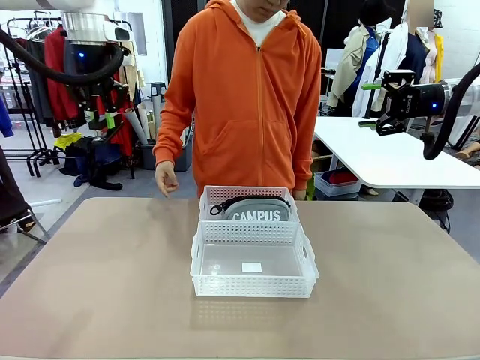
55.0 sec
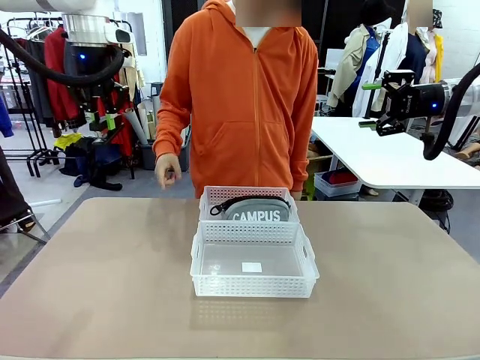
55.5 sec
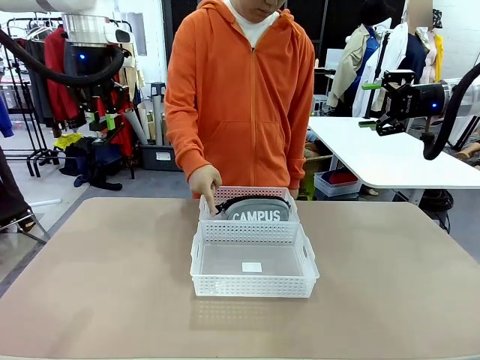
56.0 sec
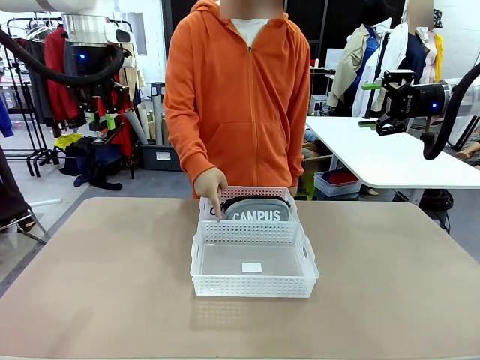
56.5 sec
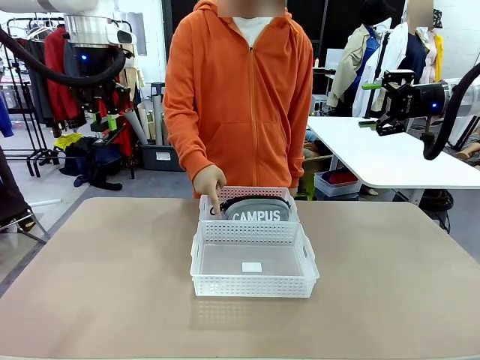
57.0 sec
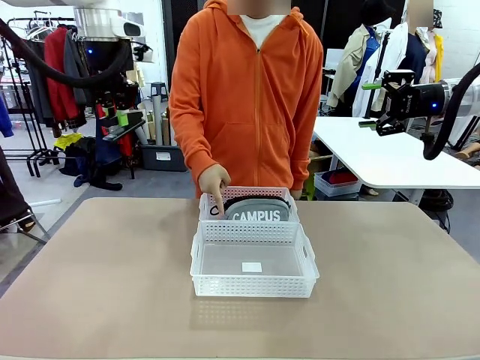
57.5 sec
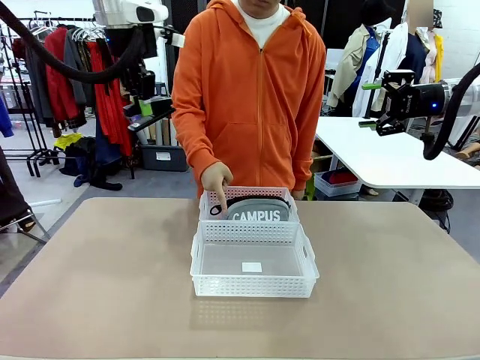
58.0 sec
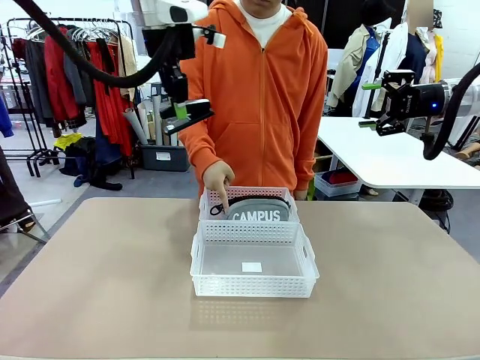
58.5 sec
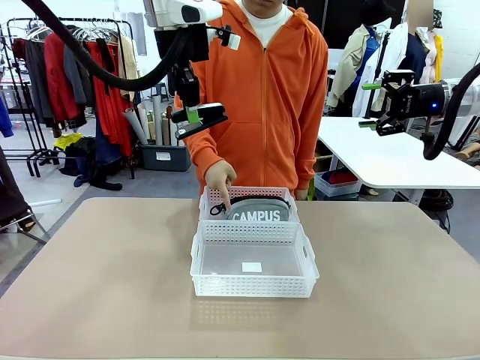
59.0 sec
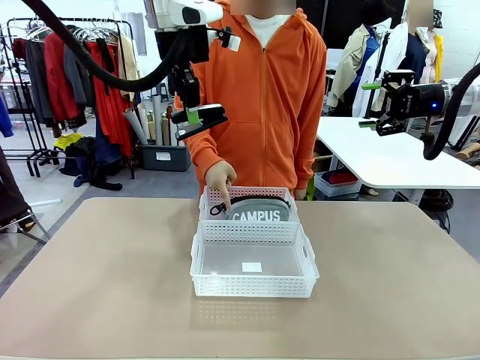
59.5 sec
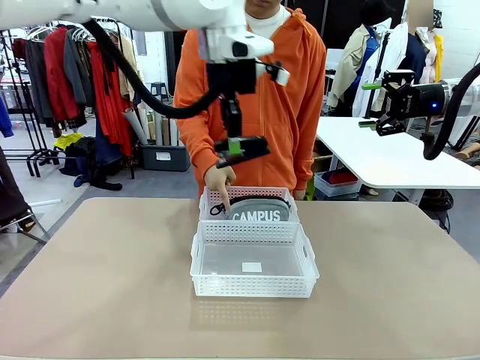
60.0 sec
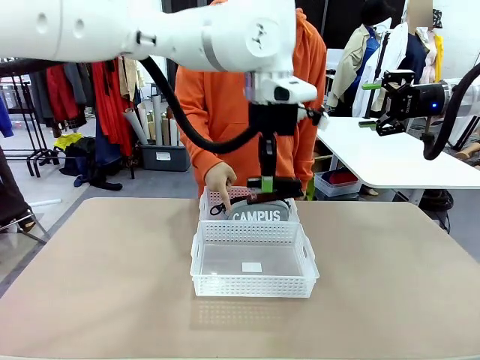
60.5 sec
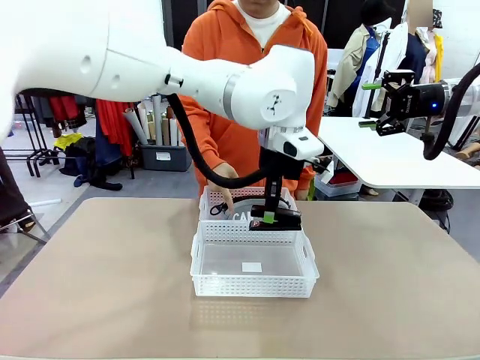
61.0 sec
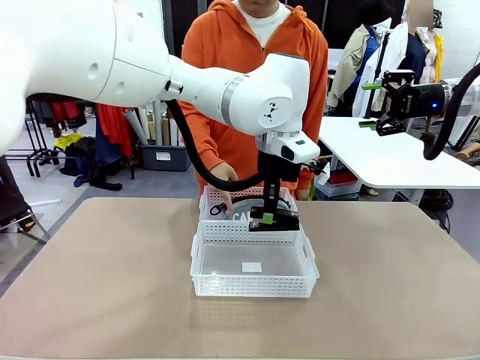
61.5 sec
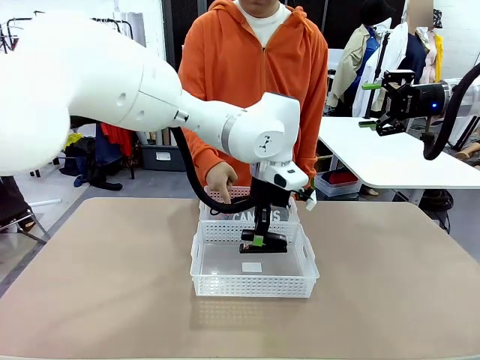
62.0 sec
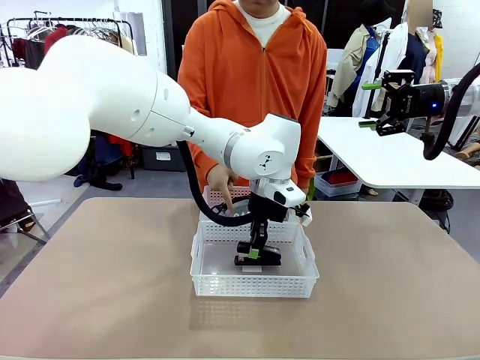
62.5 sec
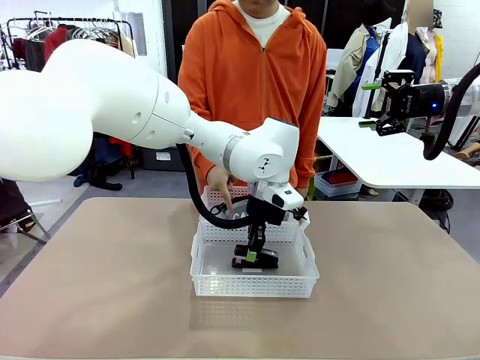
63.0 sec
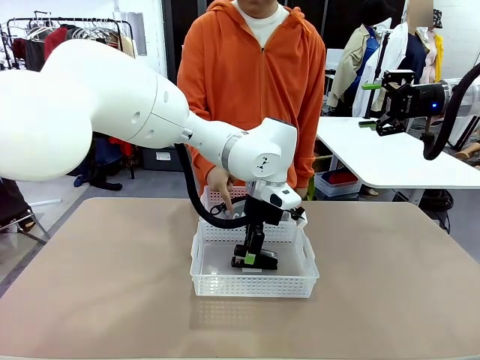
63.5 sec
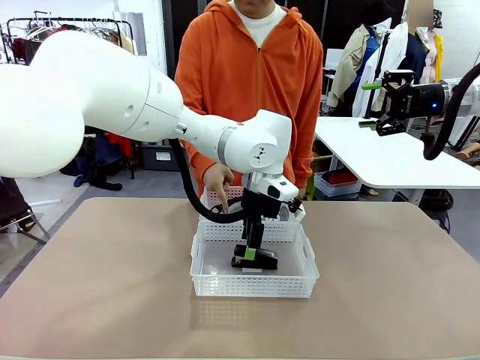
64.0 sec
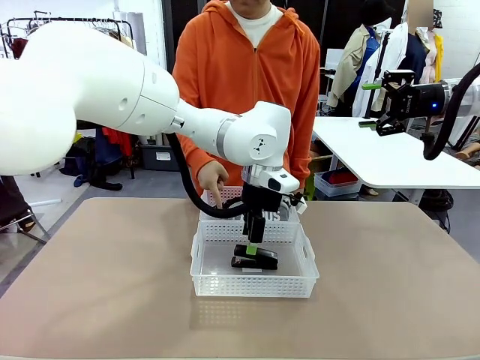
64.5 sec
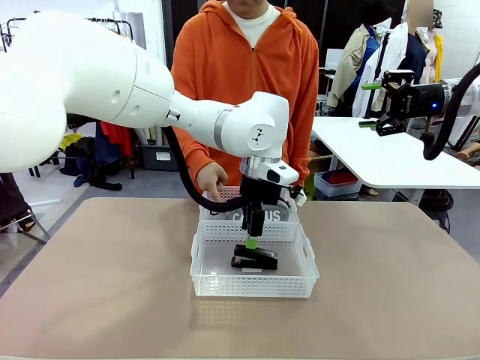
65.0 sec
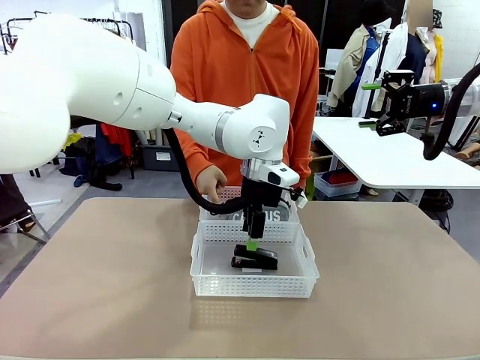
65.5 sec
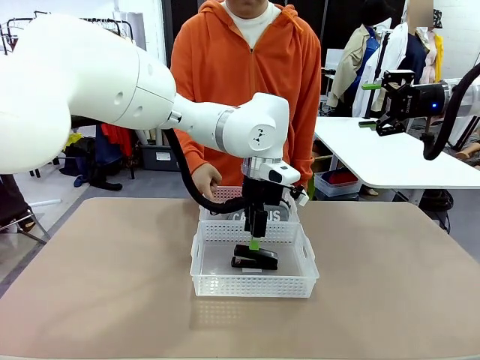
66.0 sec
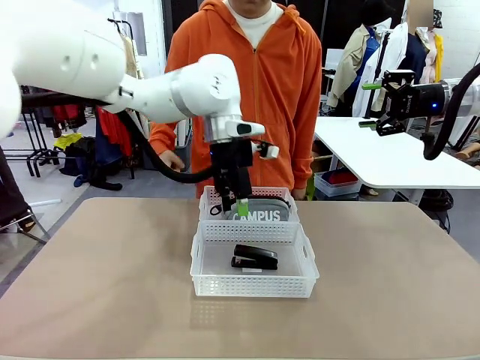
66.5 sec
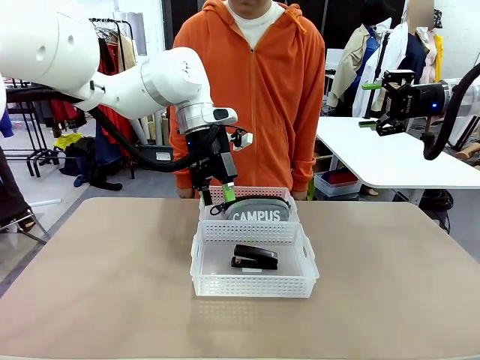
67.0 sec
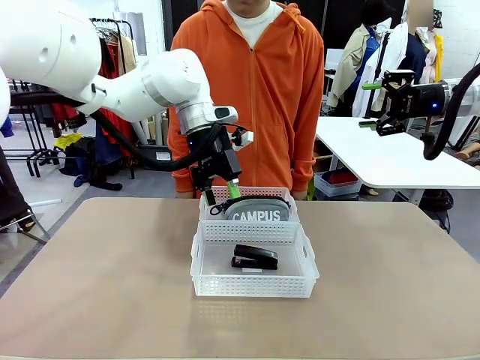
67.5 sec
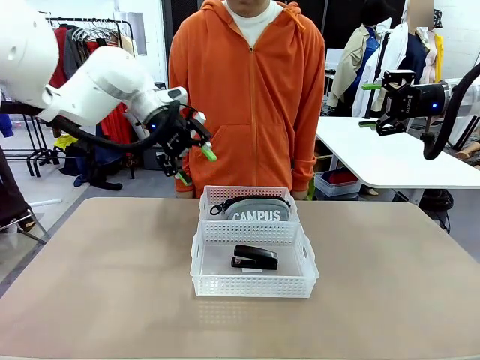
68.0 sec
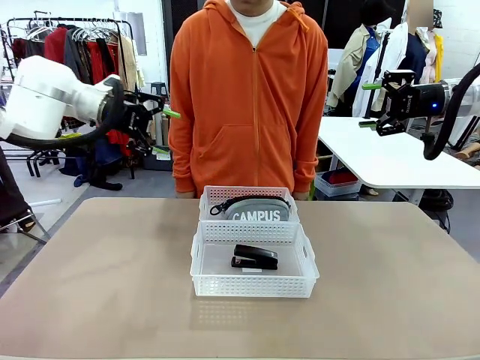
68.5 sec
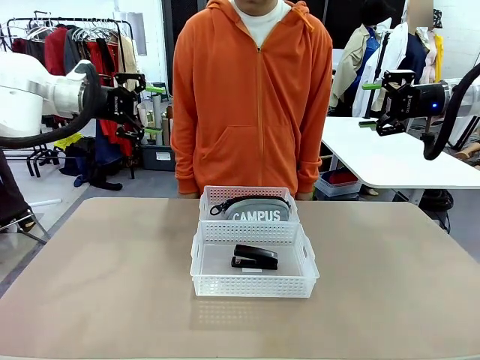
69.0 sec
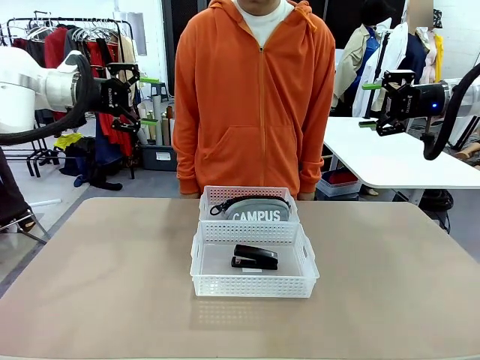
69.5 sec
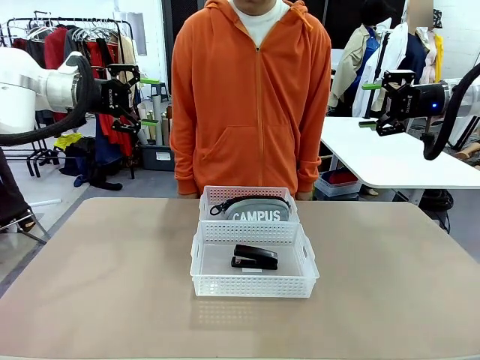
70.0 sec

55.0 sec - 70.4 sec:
Task: Distribute items into two baskets.
Robot: Place the picked Stapler into the Organizing basket as instructed by the person.
Person: Points to the basket that does not contain the pencil case and instructs the robot to move the stapler there.

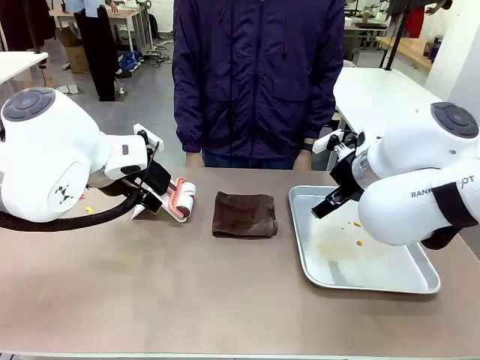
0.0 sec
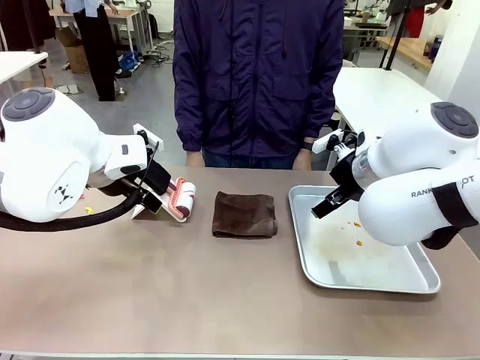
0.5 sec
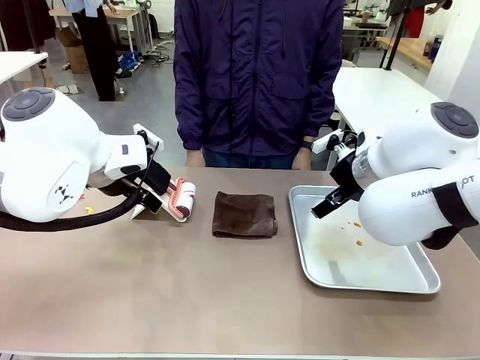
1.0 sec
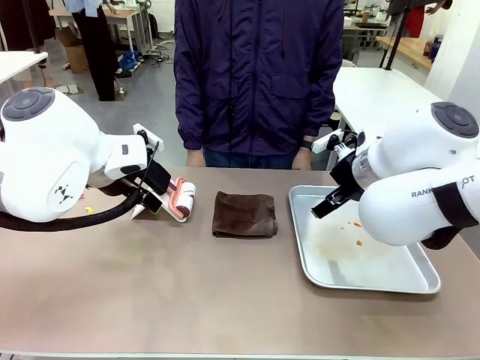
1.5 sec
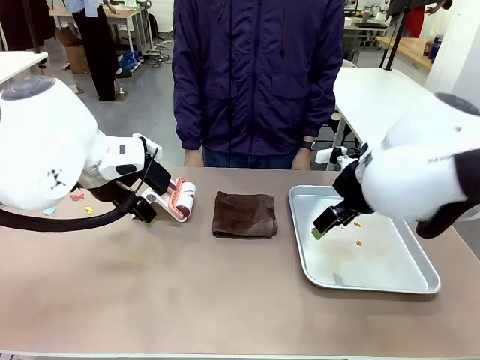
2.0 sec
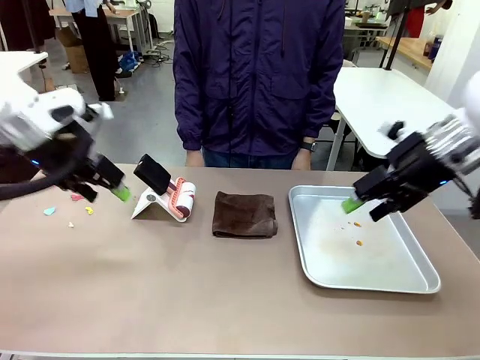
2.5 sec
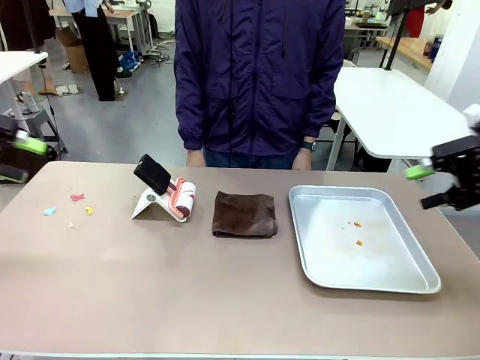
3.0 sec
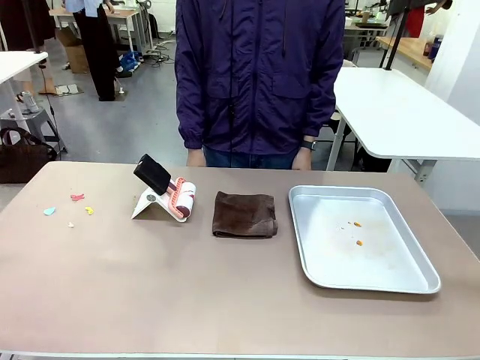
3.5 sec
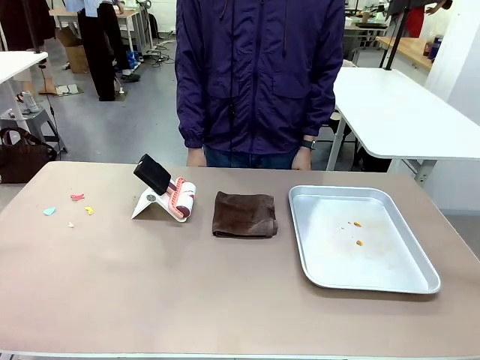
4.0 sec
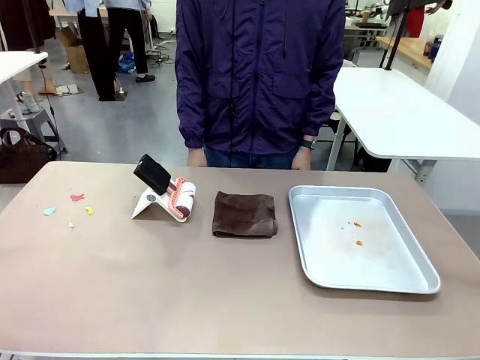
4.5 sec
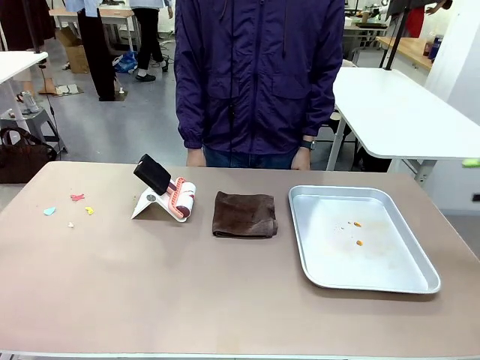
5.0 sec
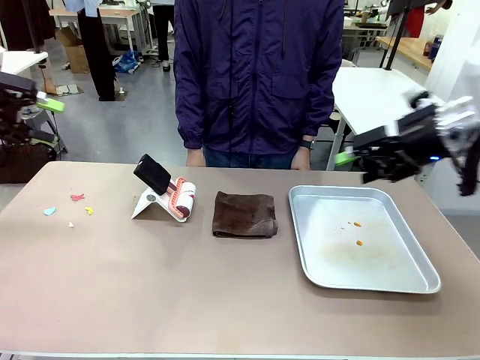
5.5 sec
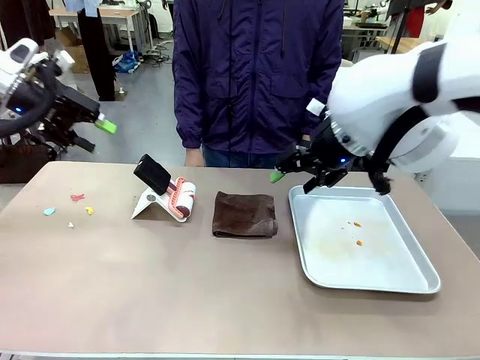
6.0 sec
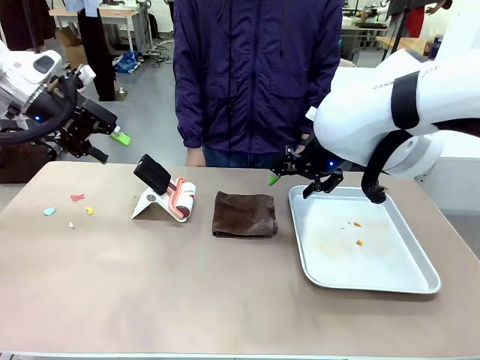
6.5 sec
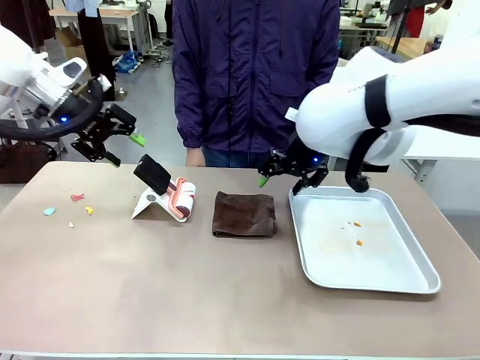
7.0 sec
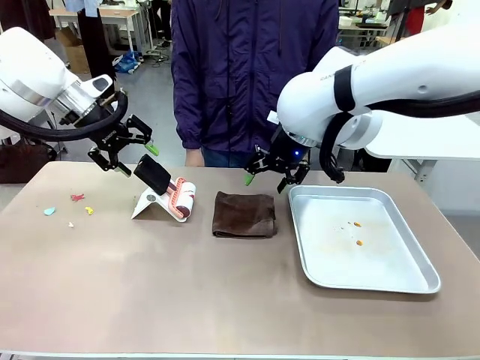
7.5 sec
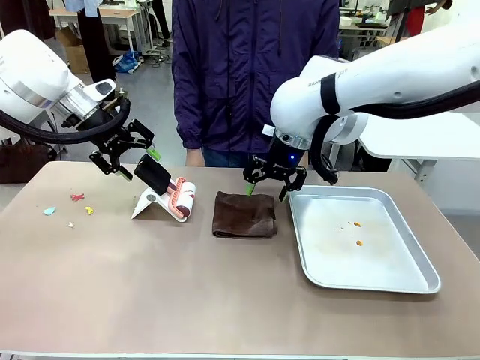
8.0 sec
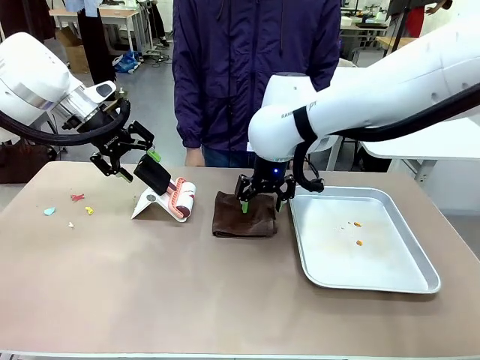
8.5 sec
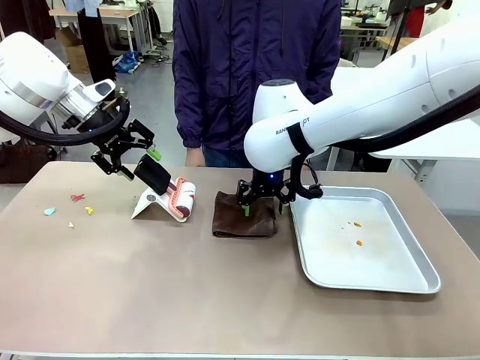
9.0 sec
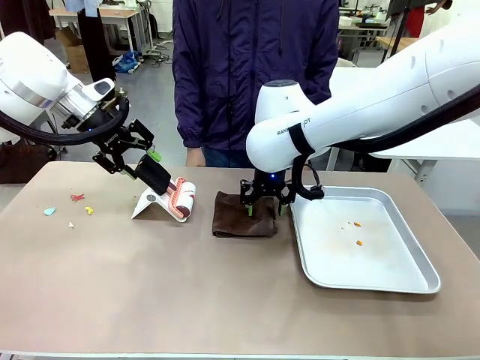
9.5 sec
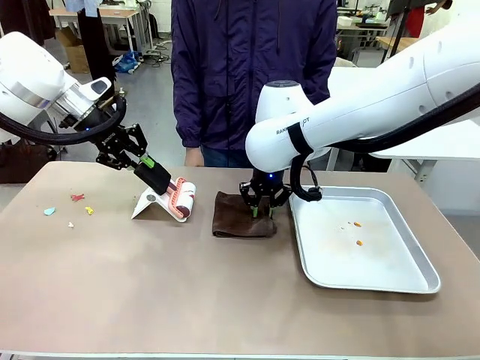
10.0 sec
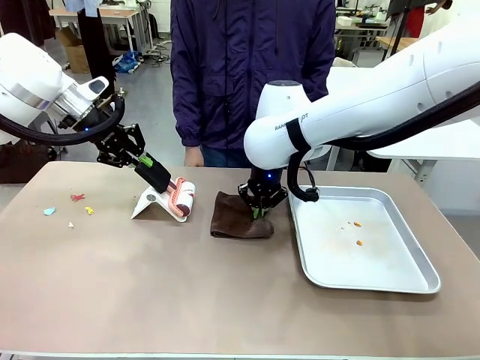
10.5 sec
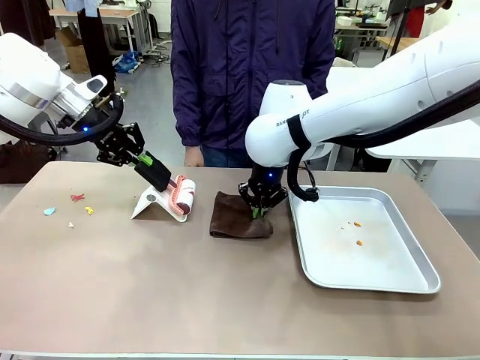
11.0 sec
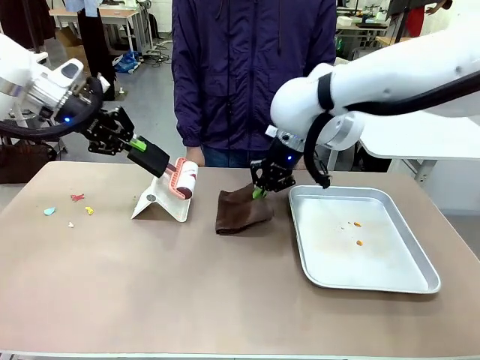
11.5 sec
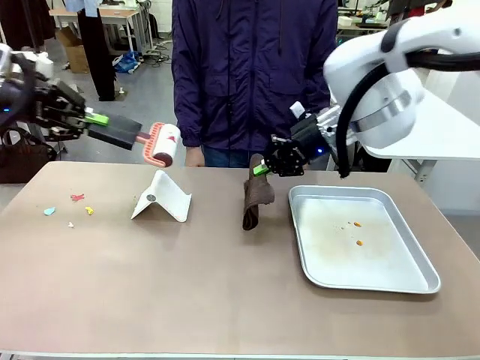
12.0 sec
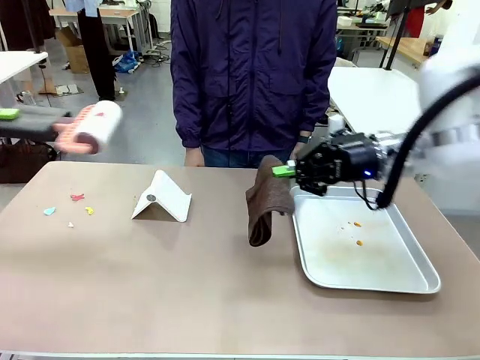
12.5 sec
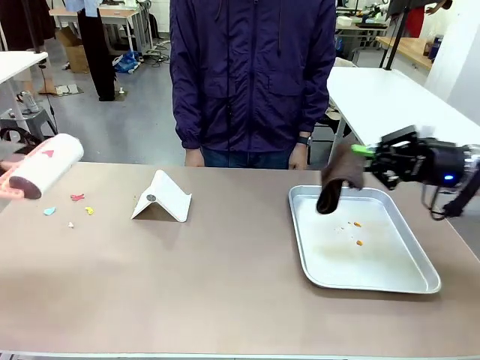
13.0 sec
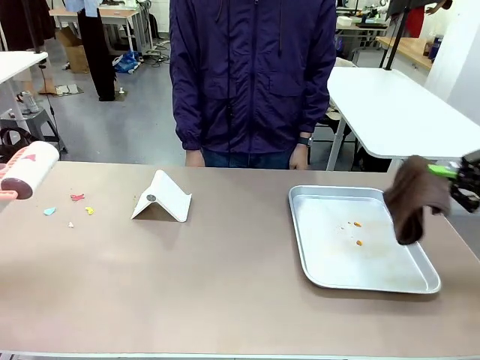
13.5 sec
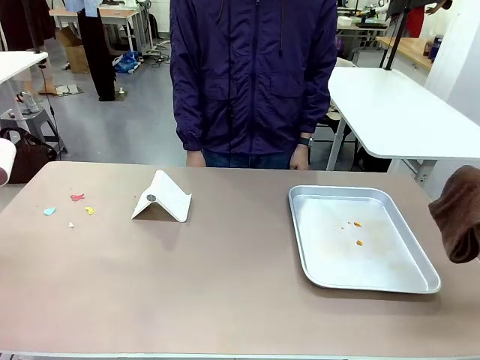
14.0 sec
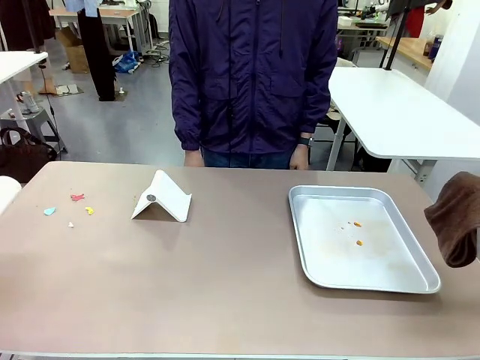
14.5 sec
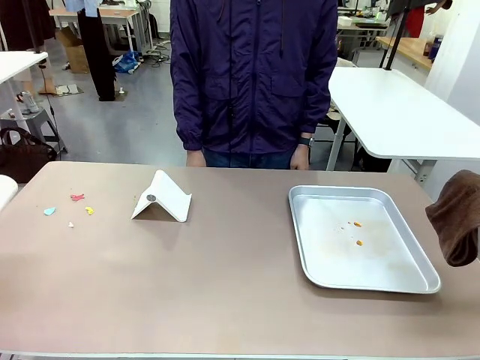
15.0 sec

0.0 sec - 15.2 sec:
Task: Clean the surface of the table.
Robot: Hold the Lint Roller with your left hand and the towel with your right hand.
